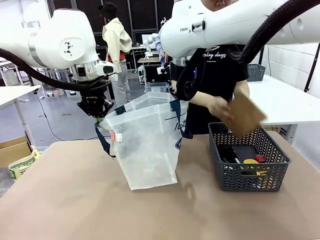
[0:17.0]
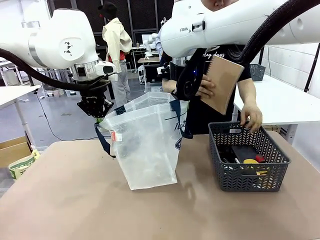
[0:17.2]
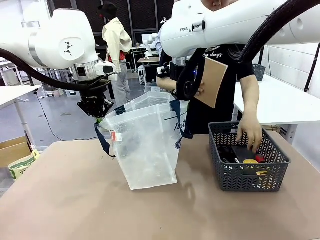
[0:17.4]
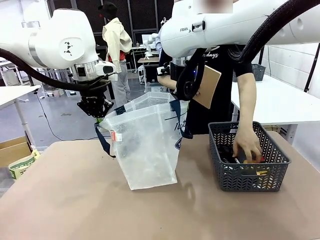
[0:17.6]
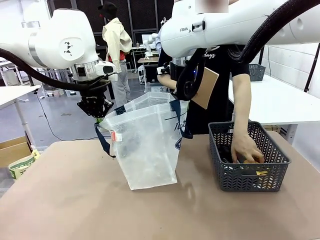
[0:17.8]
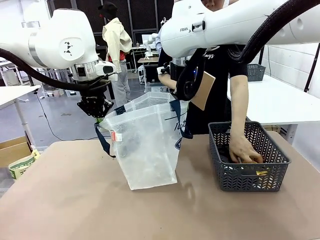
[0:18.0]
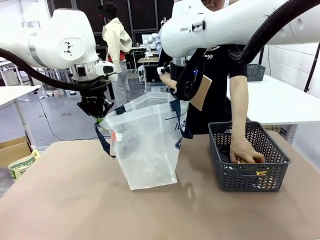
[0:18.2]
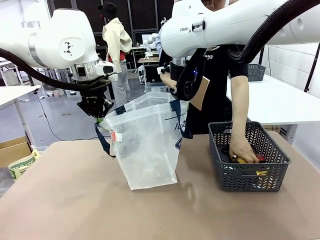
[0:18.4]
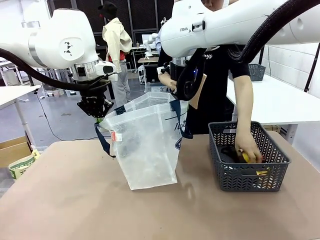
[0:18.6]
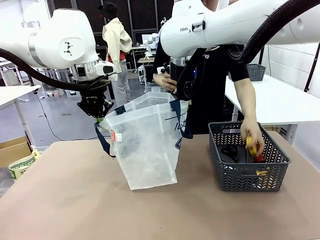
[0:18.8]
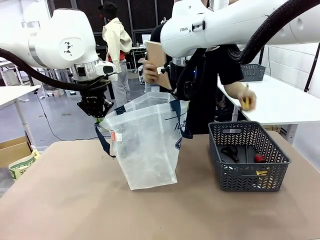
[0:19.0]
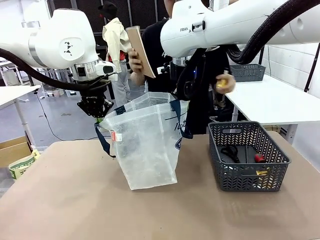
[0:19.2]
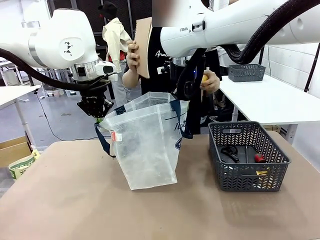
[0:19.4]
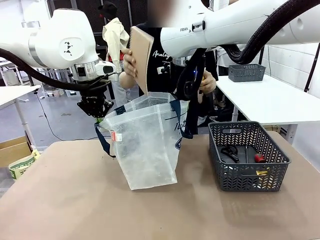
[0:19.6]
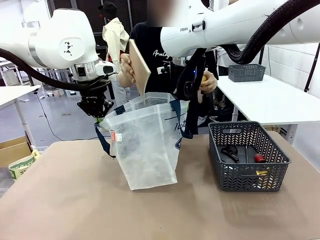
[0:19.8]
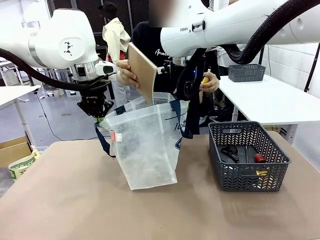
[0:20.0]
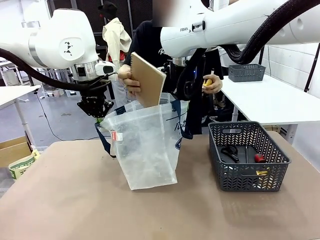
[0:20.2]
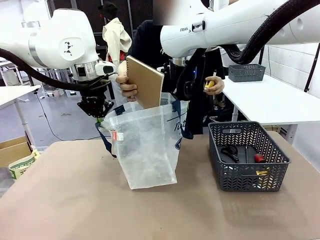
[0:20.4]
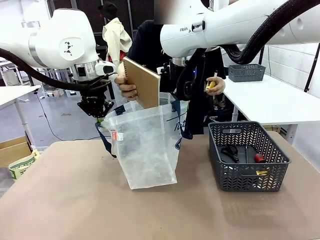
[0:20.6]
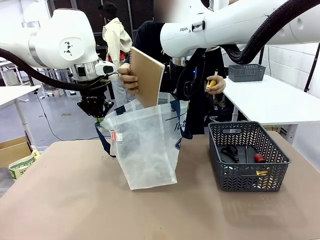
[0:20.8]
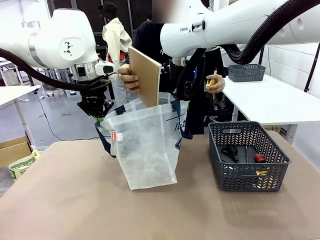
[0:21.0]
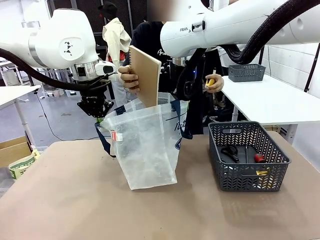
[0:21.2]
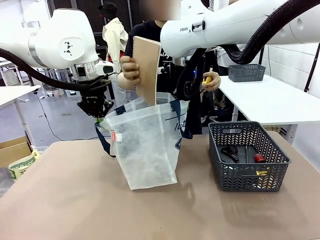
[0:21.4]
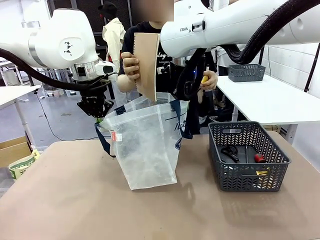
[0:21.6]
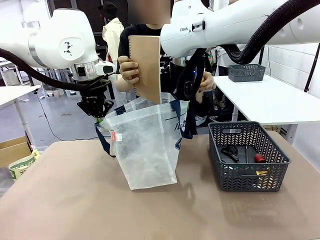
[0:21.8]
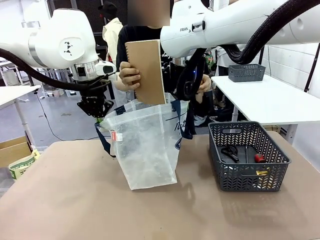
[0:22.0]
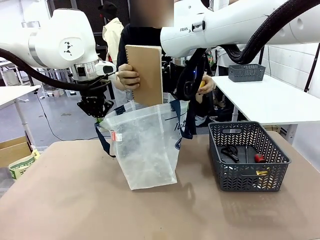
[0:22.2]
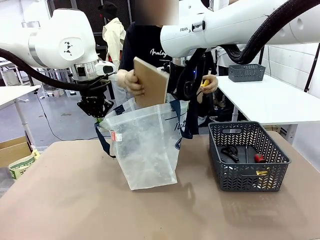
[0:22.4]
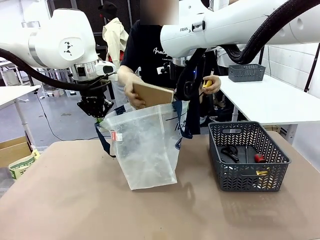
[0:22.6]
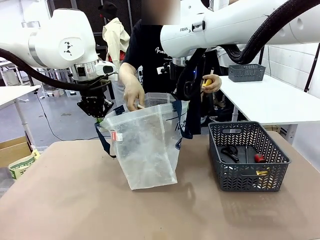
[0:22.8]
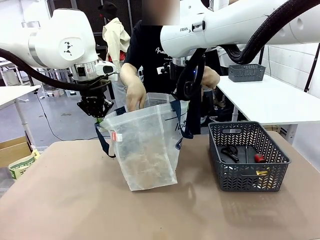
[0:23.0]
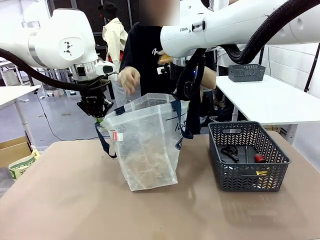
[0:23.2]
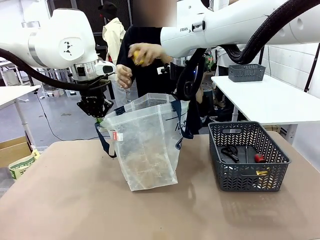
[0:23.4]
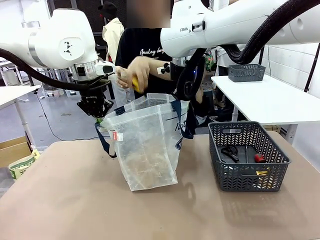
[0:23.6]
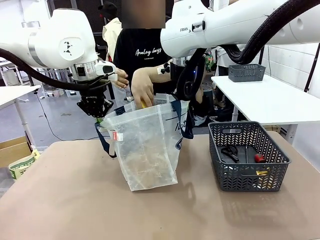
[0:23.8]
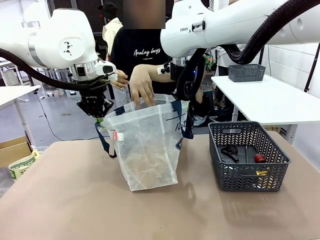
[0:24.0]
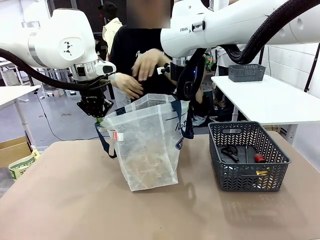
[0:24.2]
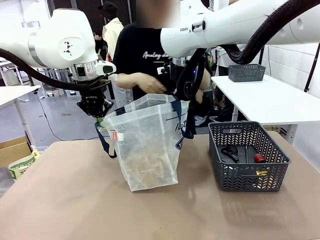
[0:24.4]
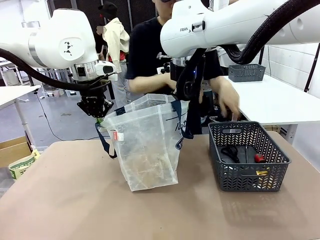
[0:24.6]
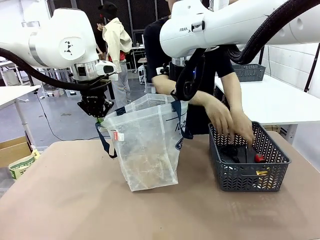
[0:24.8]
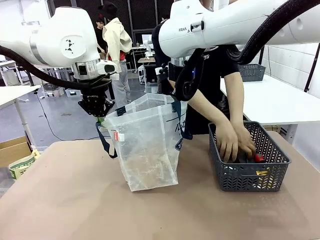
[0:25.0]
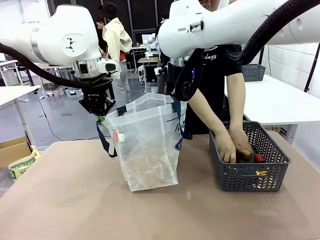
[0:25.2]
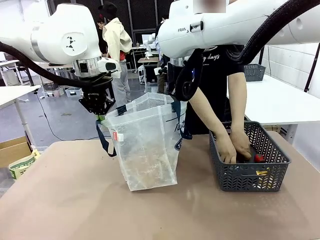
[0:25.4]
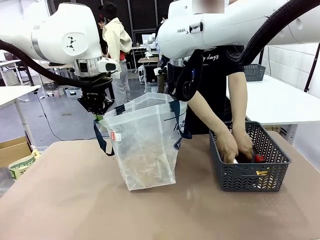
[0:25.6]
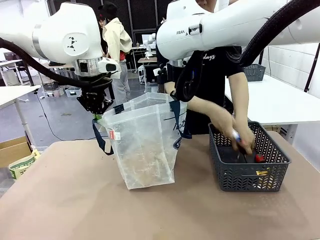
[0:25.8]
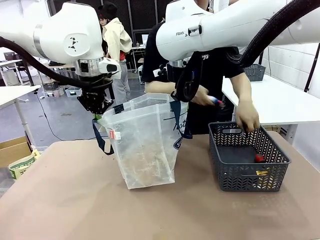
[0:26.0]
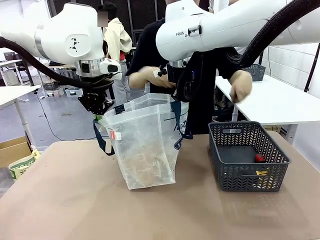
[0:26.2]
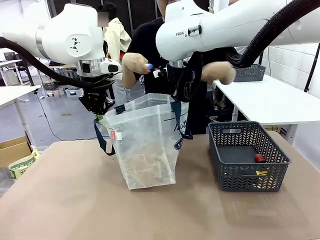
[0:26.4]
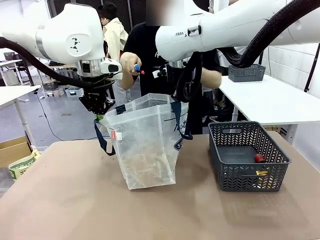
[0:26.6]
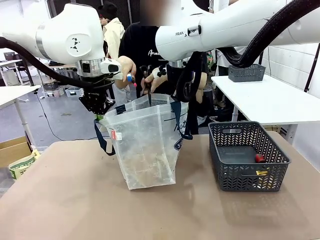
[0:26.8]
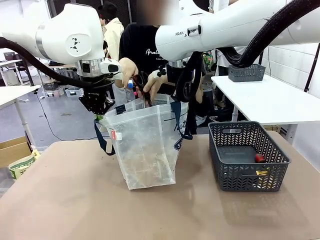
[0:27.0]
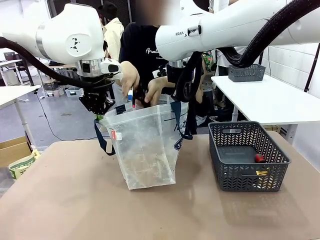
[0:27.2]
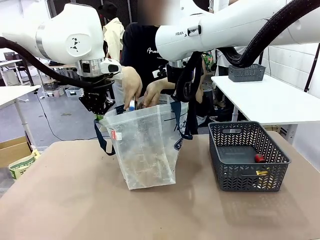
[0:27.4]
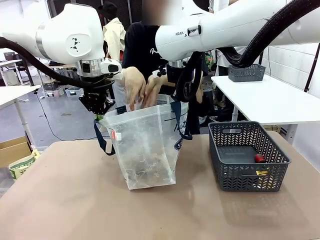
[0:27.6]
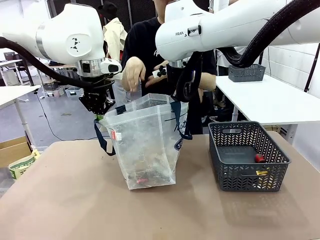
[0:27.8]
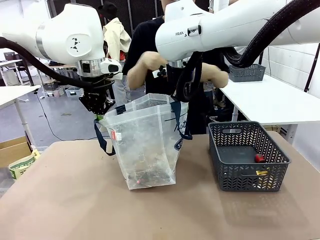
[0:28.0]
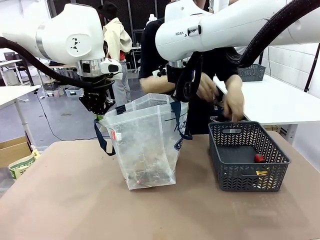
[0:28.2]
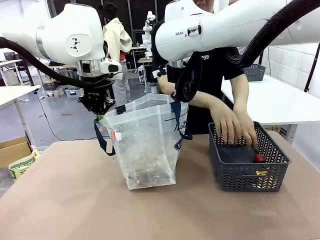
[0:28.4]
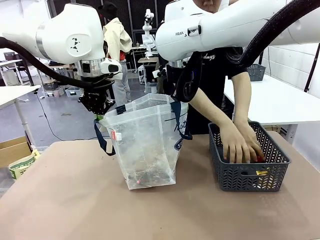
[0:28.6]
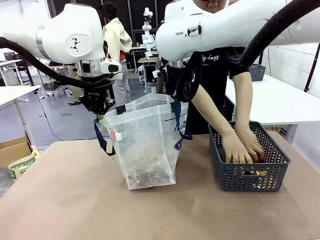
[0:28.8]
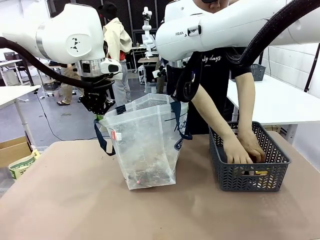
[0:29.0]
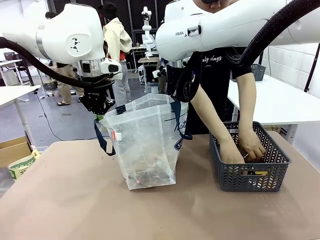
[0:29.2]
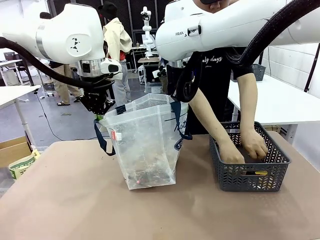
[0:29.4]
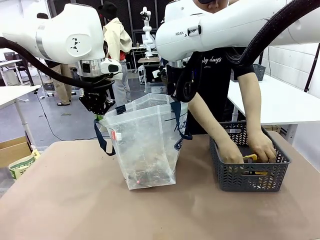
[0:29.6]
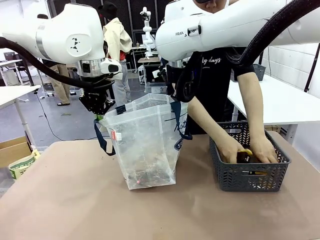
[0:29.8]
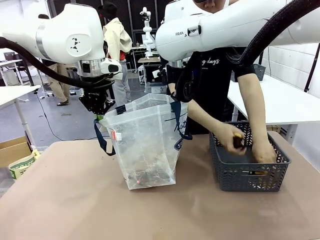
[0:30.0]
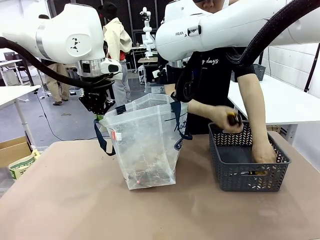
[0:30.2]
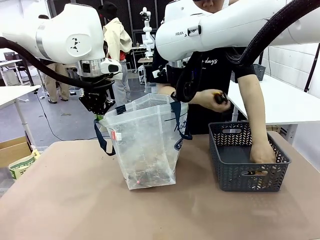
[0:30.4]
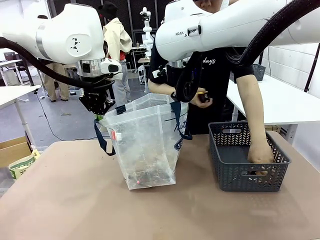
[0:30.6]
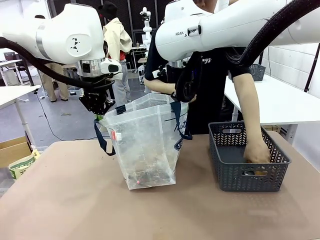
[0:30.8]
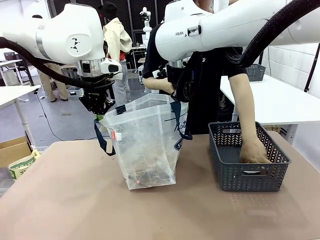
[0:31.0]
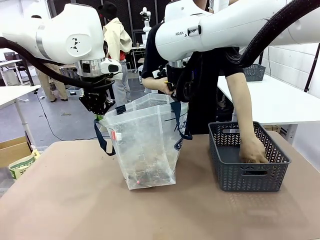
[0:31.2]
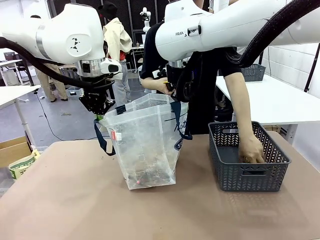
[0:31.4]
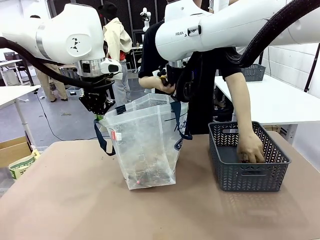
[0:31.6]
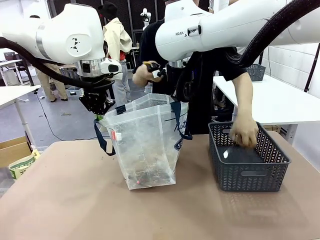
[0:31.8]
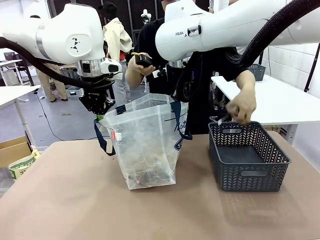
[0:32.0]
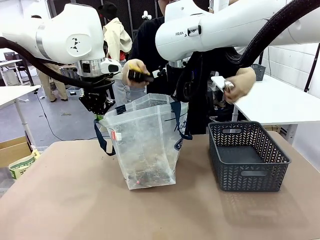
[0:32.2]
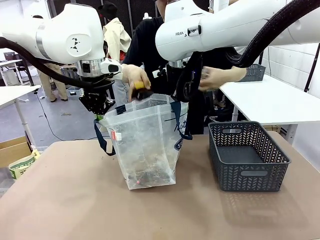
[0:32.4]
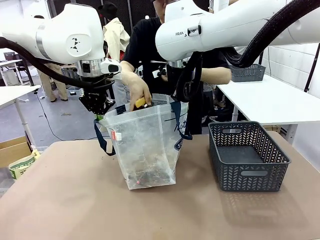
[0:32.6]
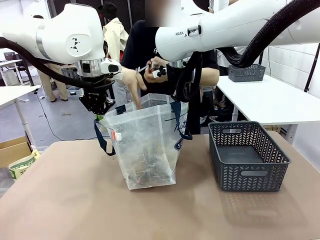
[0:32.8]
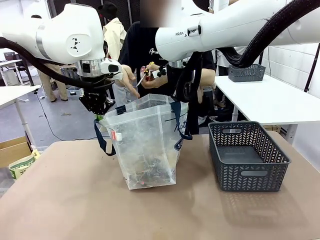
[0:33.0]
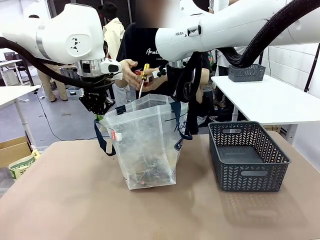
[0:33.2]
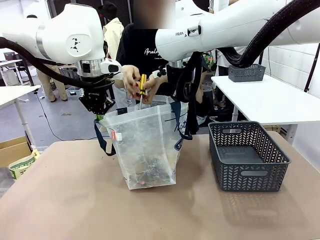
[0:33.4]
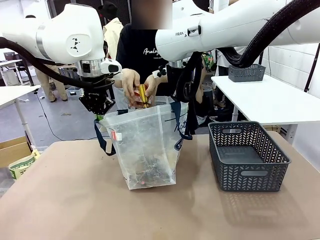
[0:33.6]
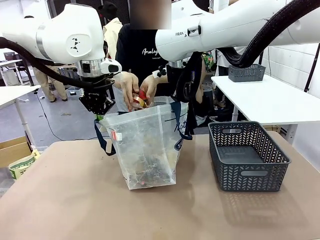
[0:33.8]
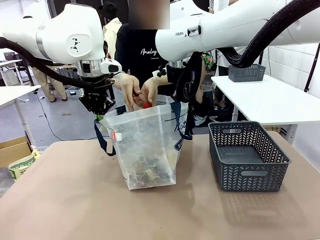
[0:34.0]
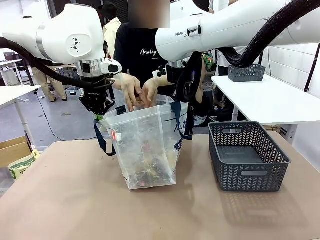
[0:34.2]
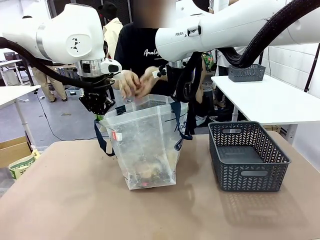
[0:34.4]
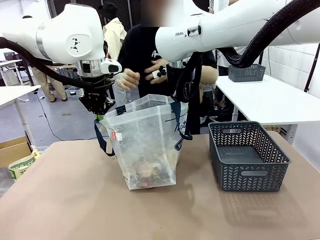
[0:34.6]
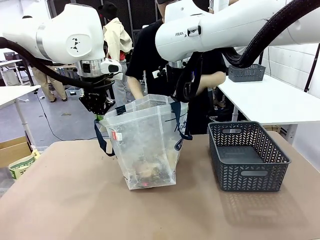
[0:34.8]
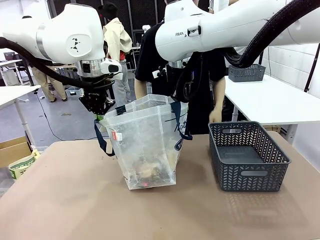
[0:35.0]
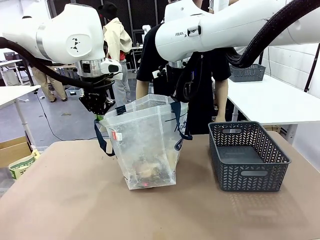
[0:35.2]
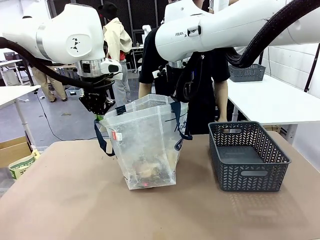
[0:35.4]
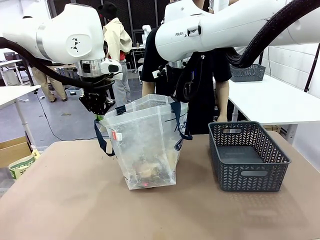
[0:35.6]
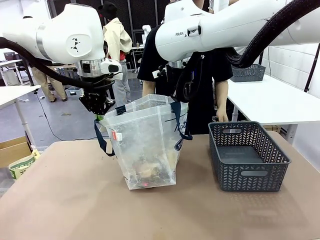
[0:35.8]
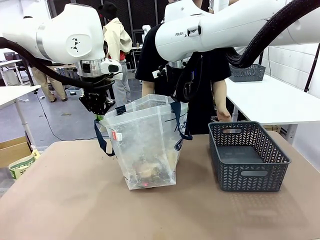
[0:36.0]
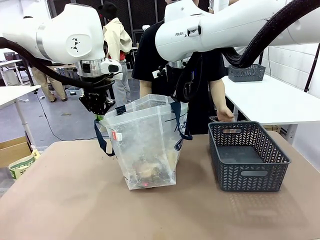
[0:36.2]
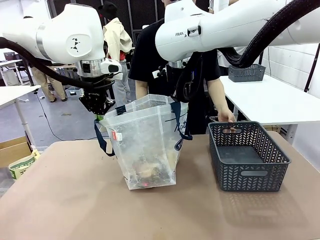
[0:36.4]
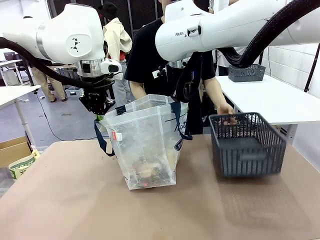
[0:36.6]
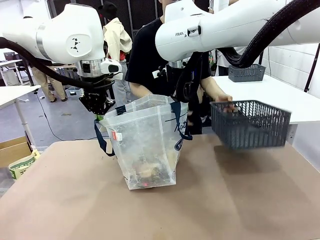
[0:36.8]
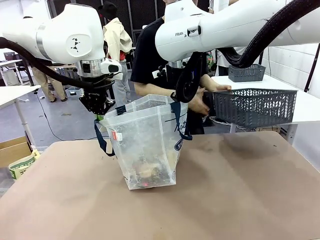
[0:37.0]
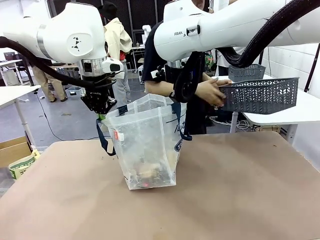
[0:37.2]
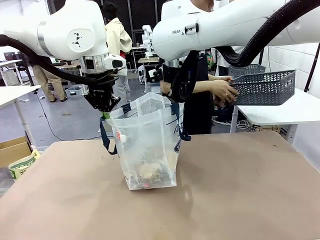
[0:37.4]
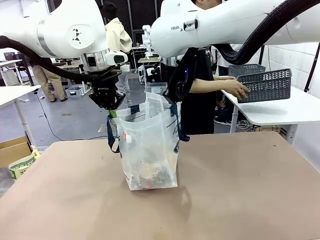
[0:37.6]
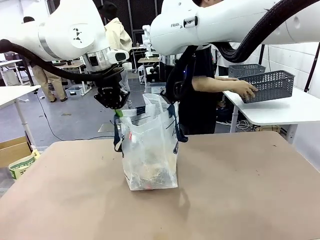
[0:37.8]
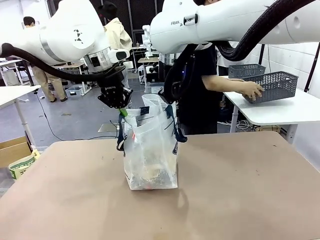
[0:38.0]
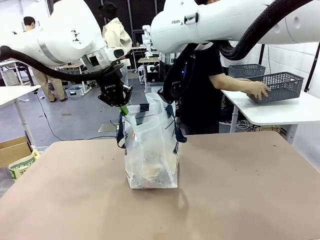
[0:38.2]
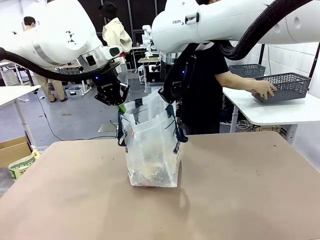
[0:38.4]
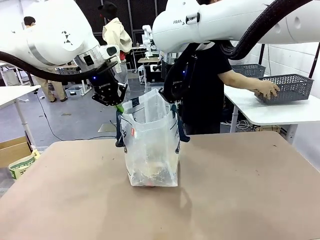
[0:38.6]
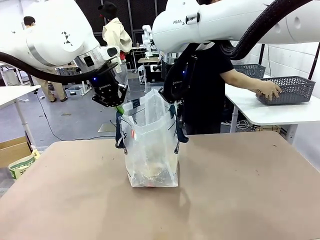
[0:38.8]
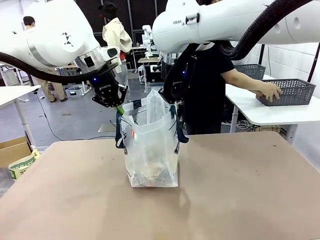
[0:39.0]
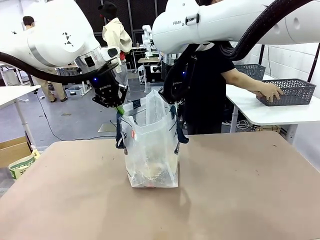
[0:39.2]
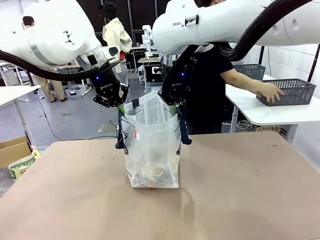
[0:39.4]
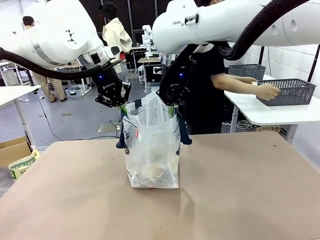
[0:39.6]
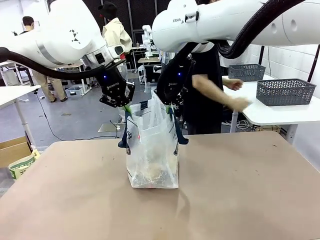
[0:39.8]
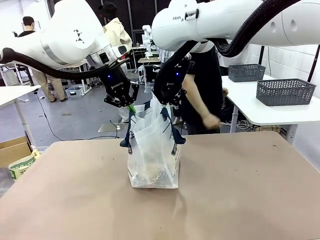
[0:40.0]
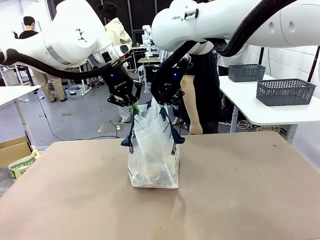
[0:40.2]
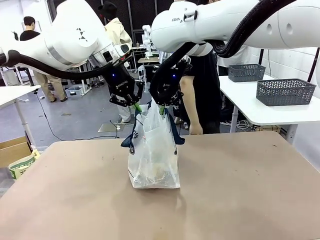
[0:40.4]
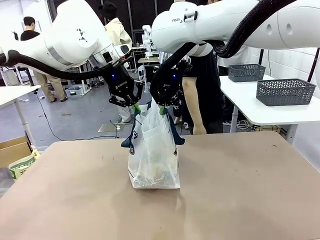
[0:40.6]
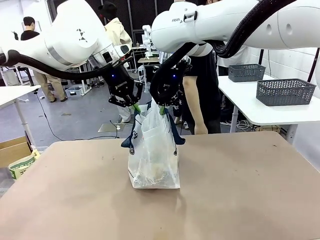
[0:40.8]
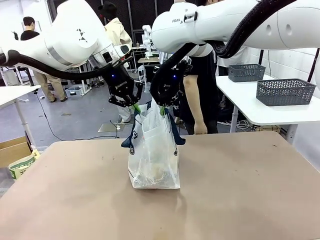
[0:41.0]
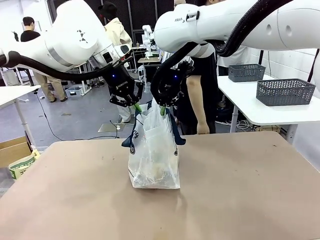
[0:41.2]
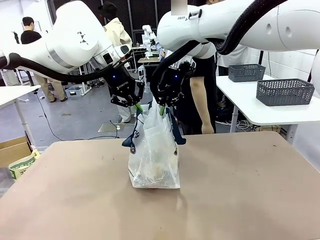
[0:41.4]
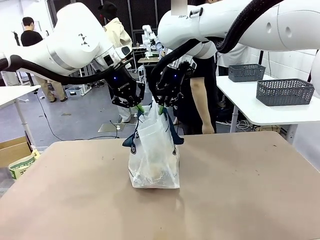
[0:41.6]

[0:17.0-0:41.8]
Task: Transfer purchased items from the store into the shopping bag.
Robot: Move the Reusable shopping bag to the right side of the table.
Person: Pick up the basket on the right, place it on the left side of the robot table, and move the items in the basket to the shopping bag. Pick up the basket with the items out and place it on the right side of the human table.
